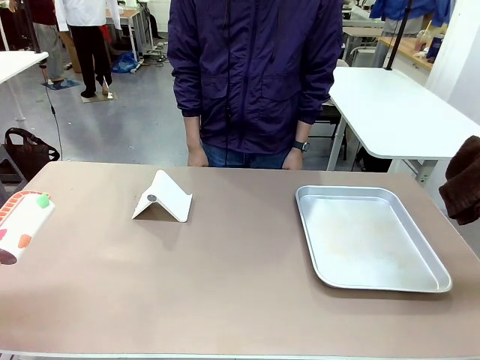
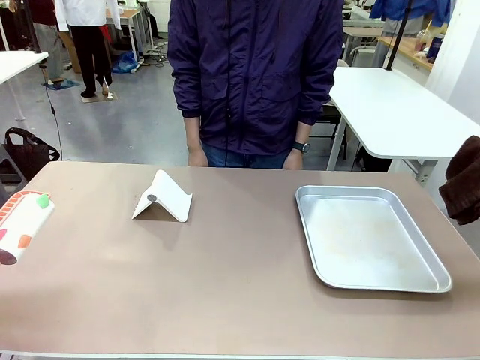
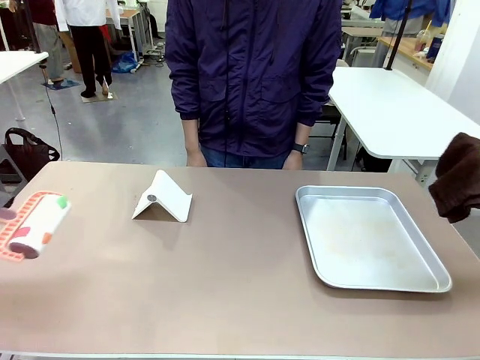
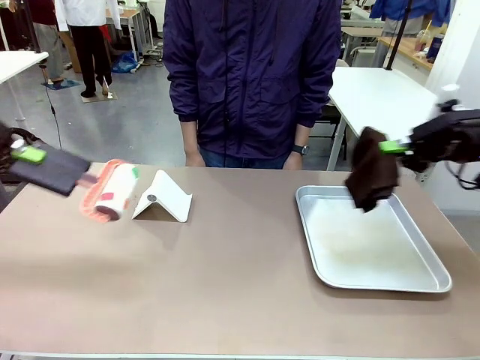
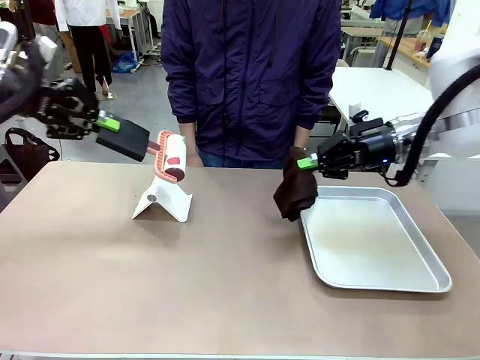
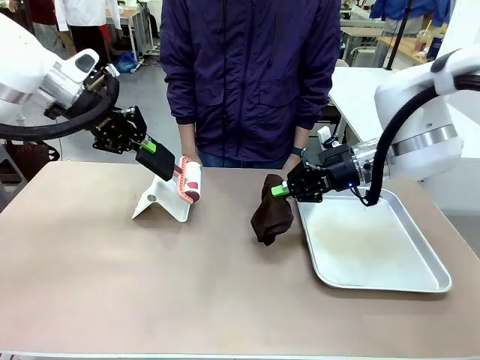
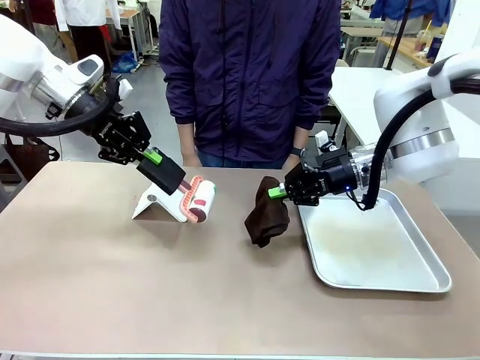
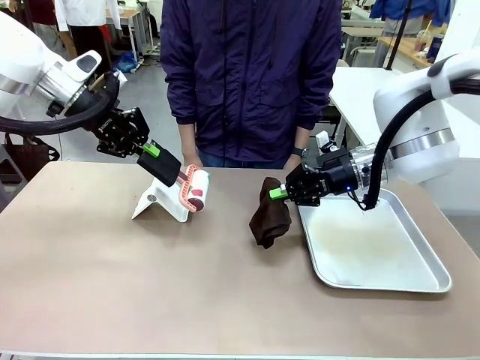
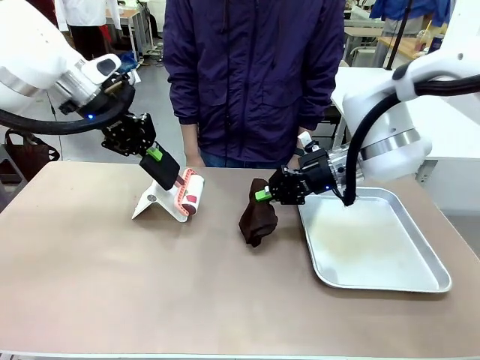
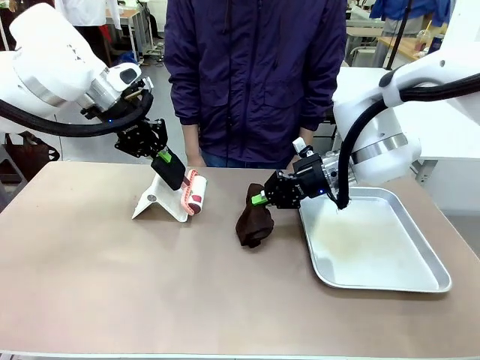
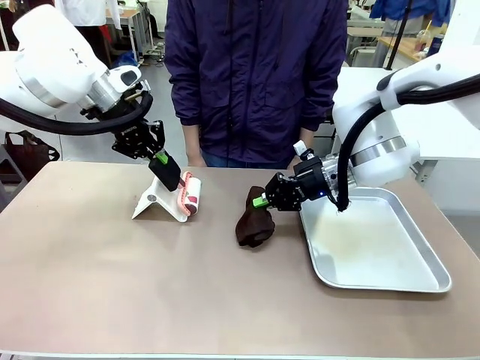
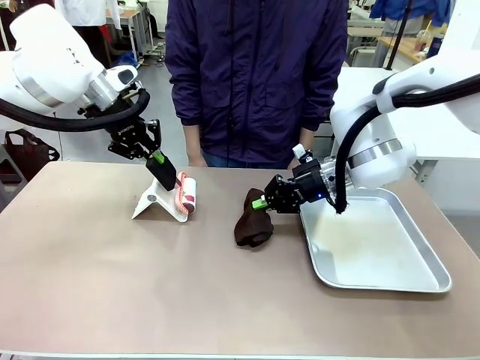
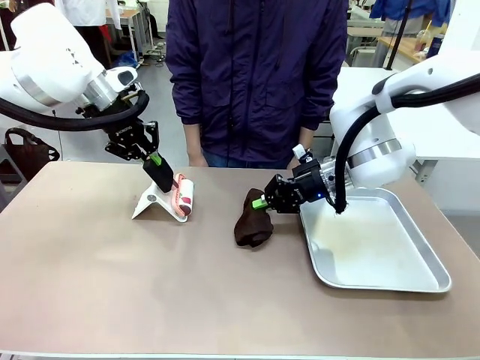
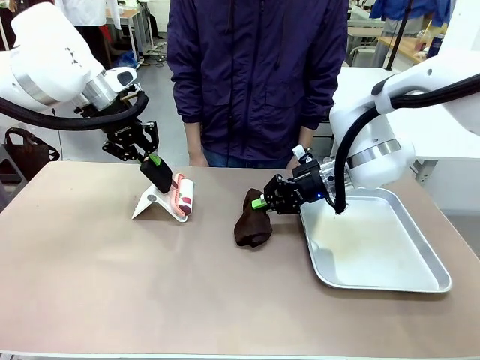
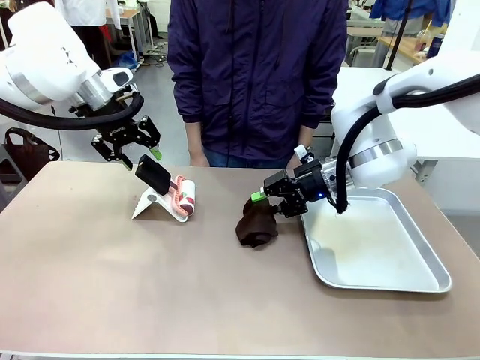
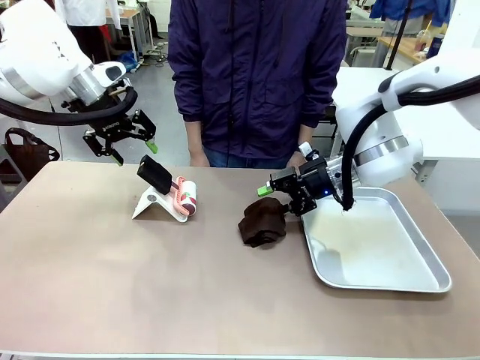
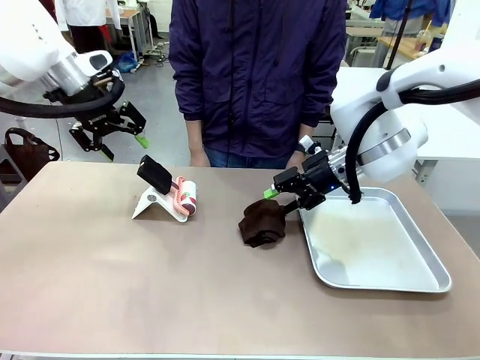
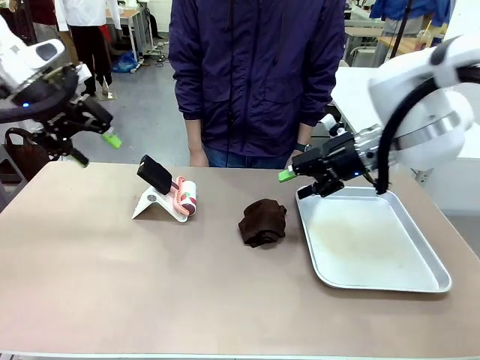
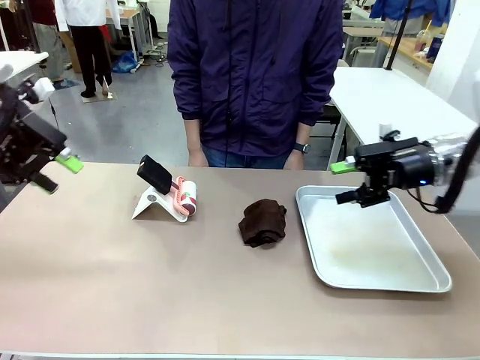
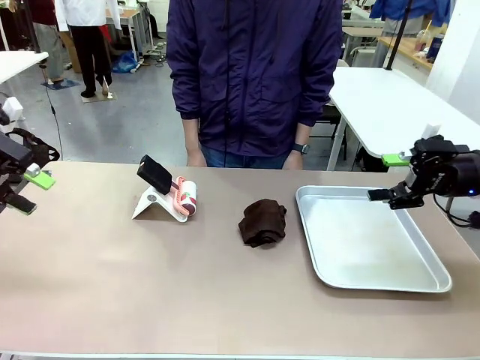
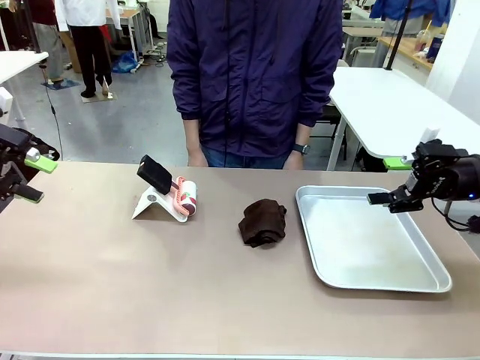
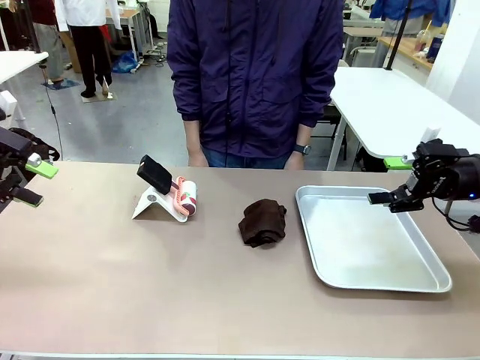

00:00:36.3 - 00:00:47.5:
Task: Clean the surface of the table.
Robot: Return the Lint Roller and towel to their original positions.

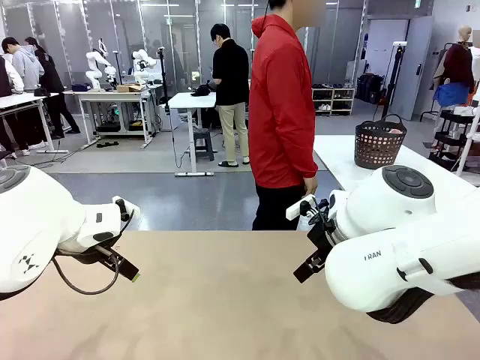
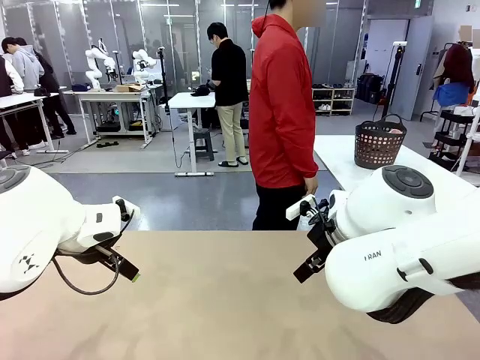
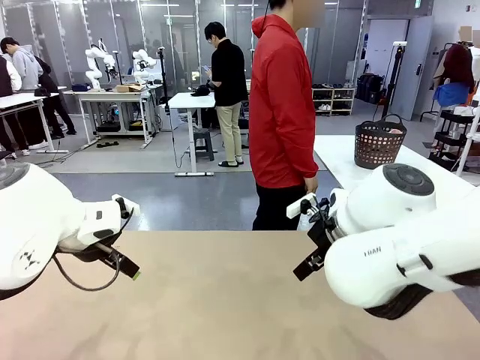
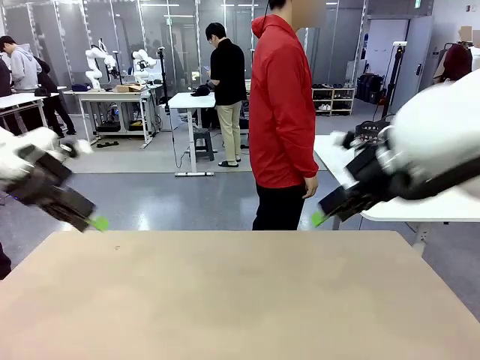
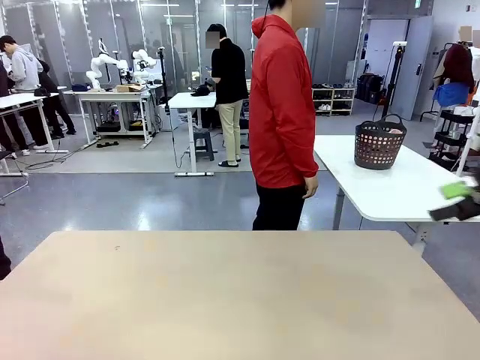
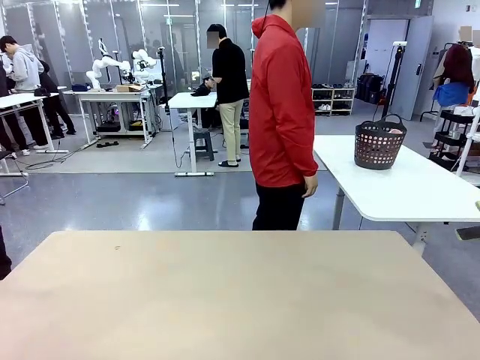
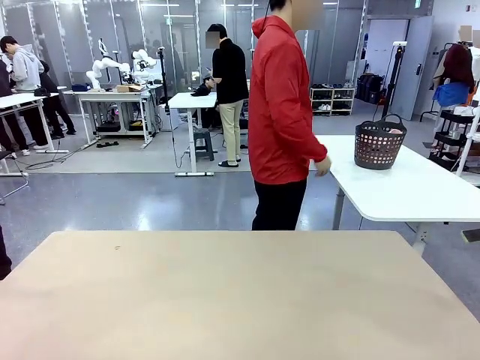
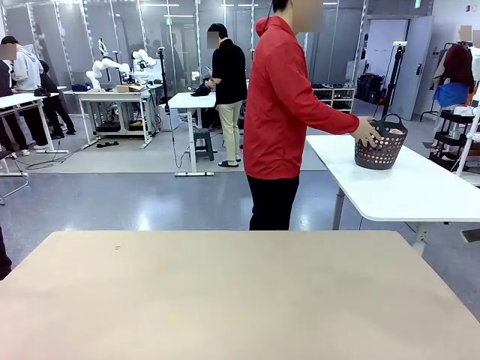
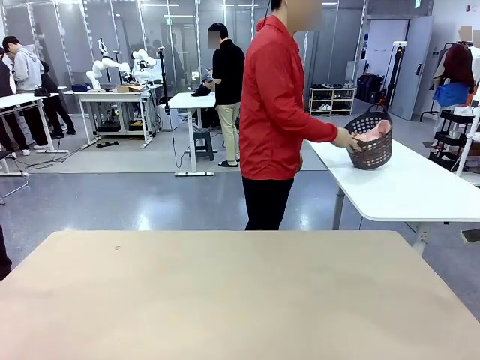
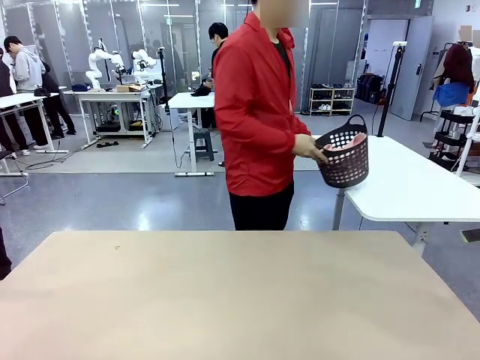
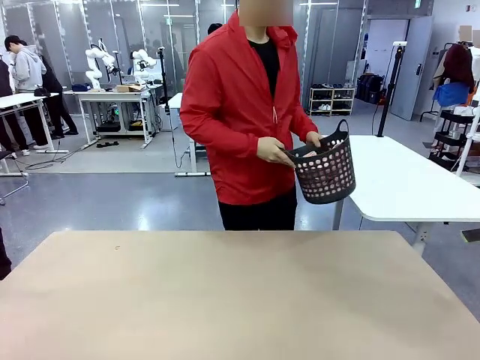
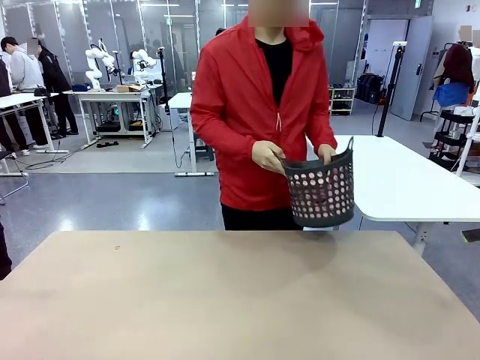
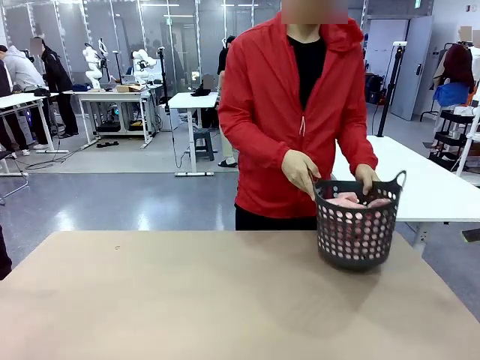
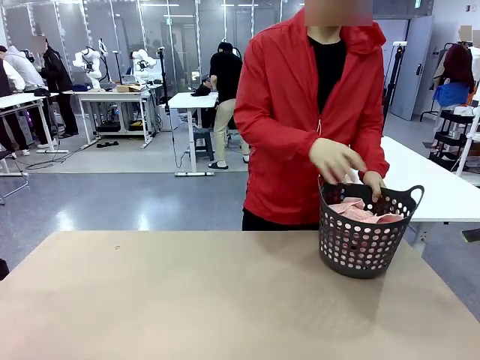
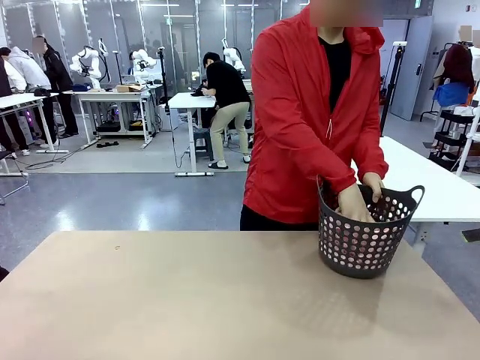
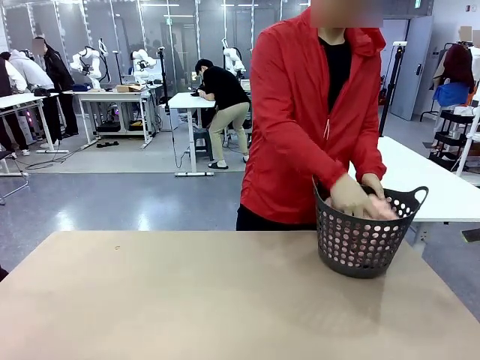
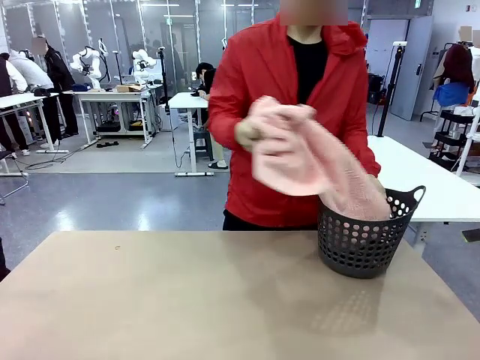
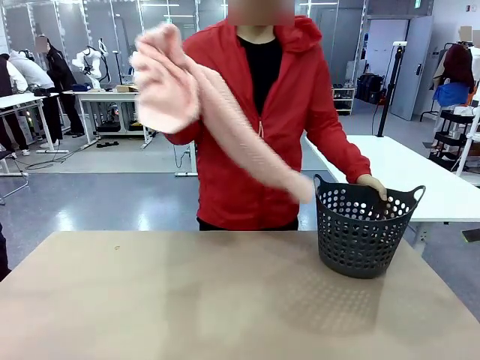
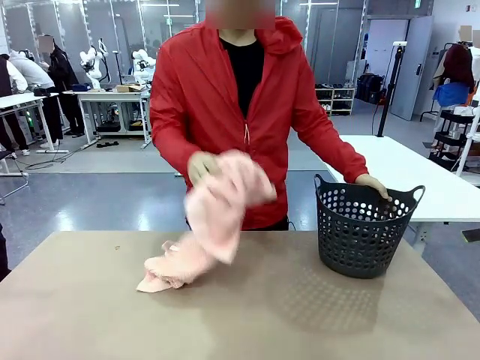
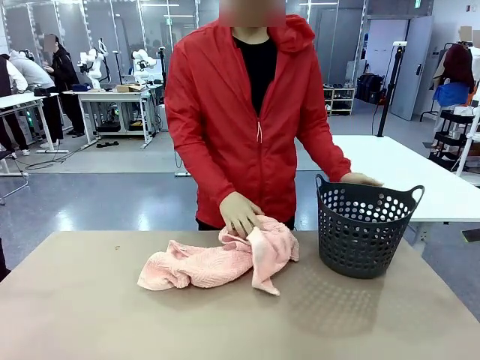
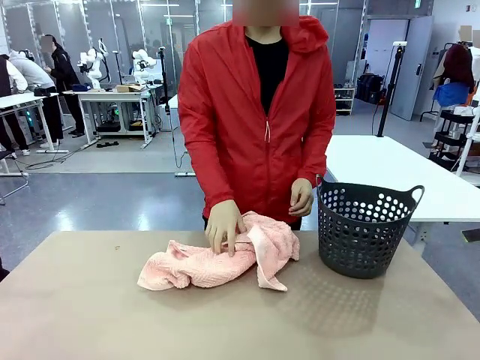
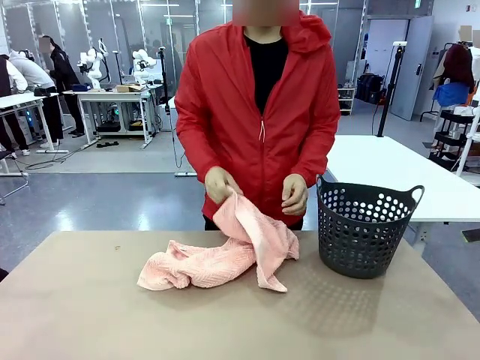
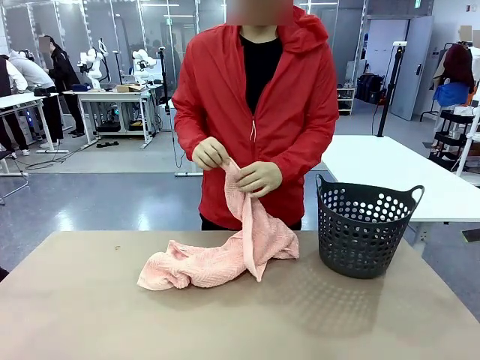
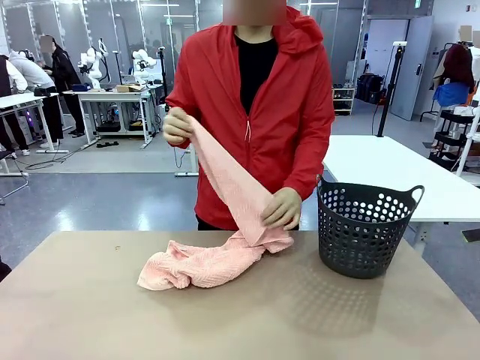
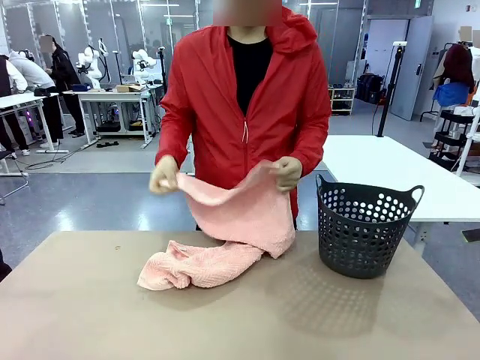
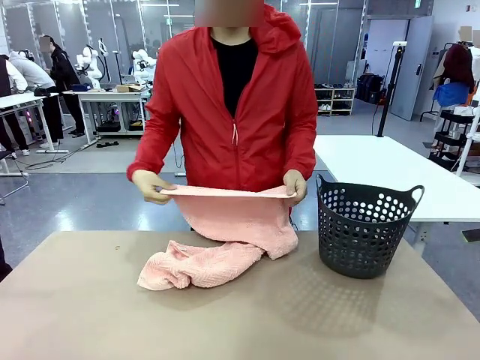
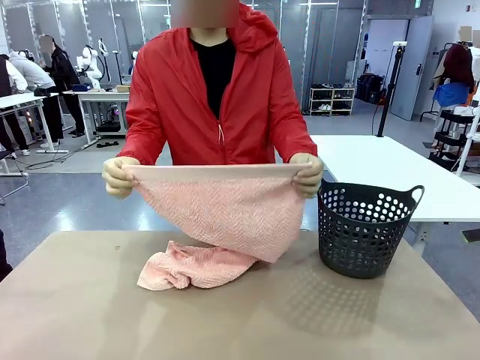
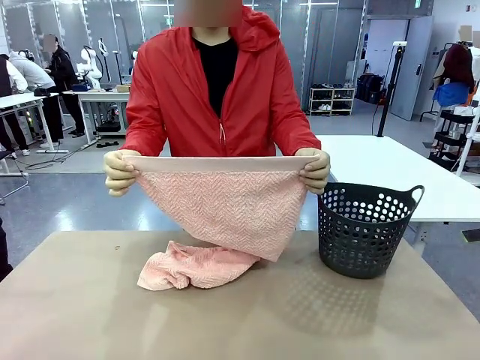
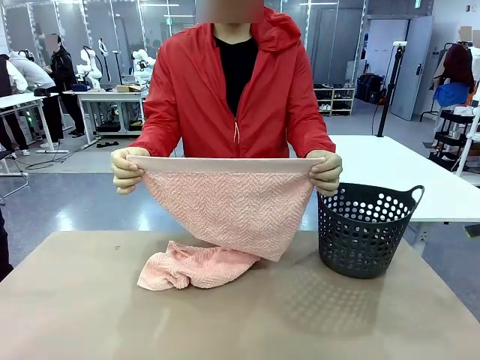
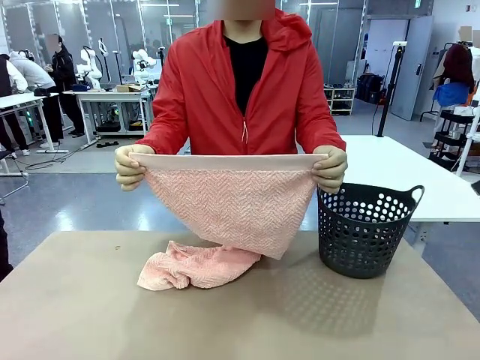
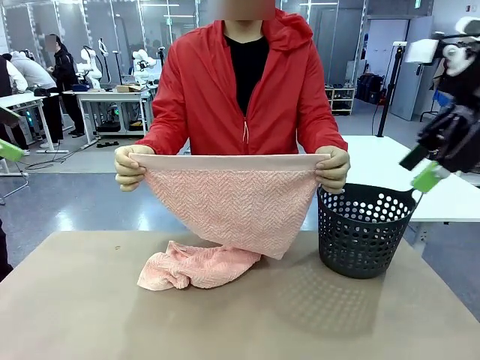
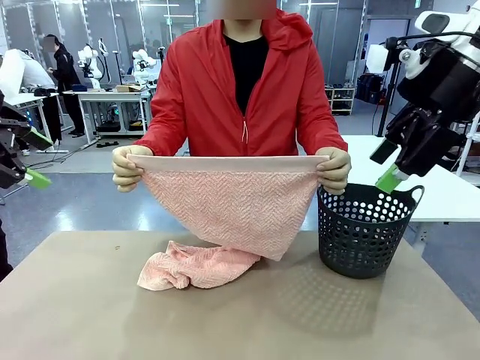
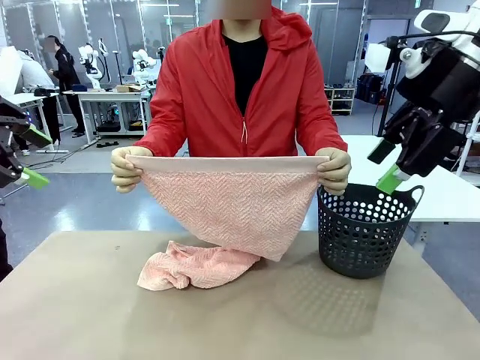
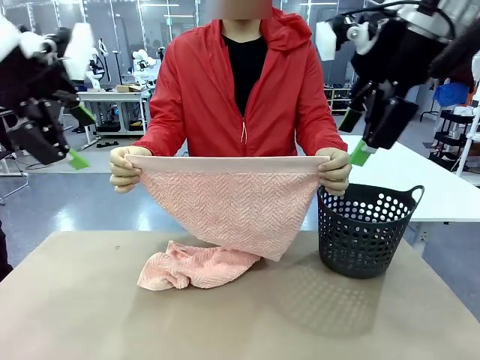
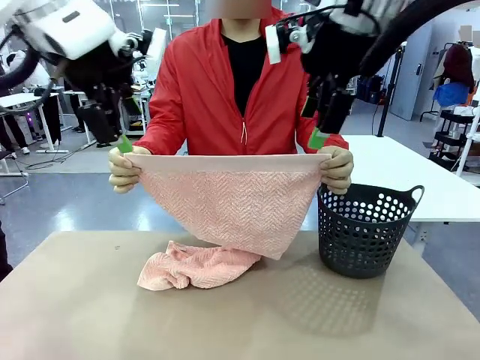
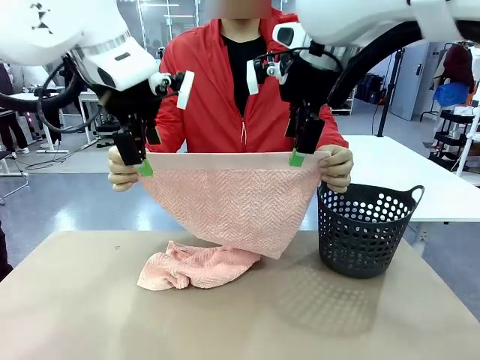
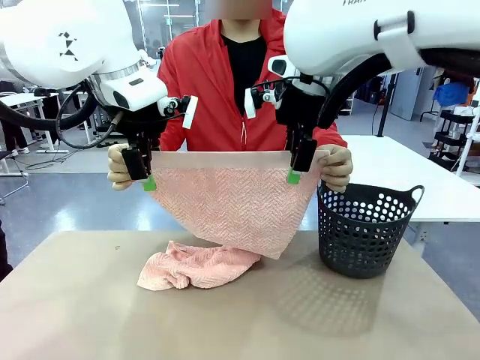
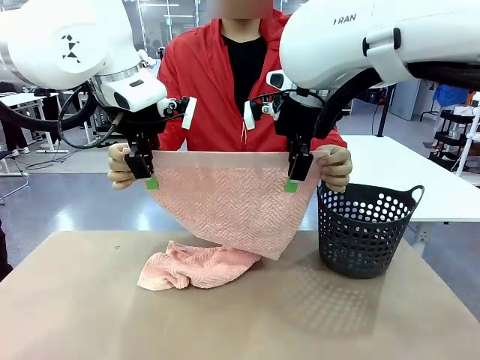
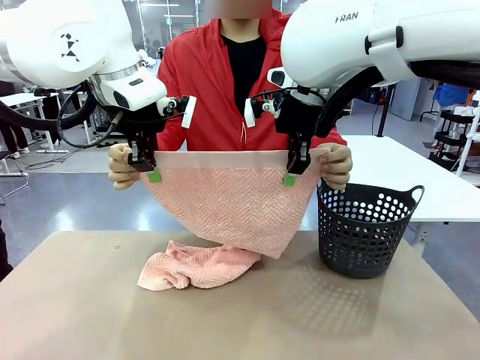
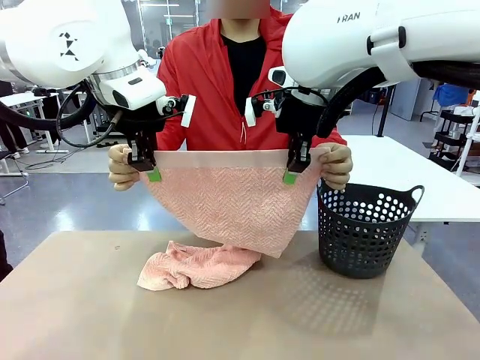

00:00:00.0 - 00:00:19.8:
Task: Fold the towel.
Robot: Grab the top end of the 100 cm Hotel Towel extended by the human.
Person: Pick up the laundry basket, place it on the left side of the robot table, then take out a towel and hand it to the robot while holding both corners of one end.
